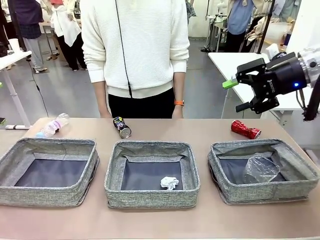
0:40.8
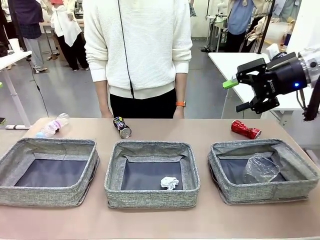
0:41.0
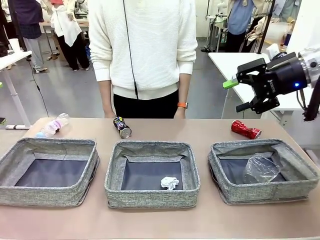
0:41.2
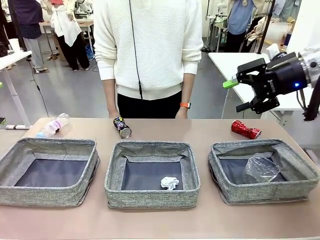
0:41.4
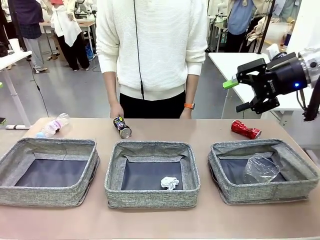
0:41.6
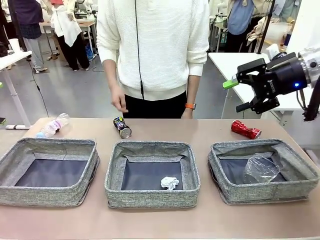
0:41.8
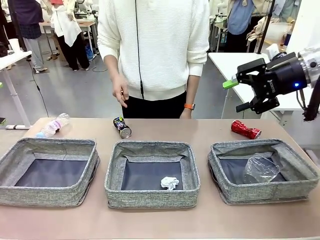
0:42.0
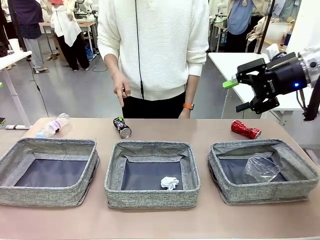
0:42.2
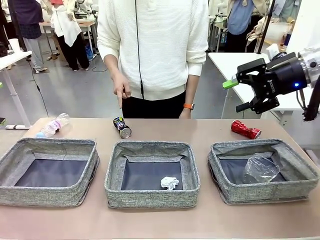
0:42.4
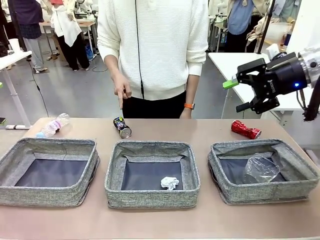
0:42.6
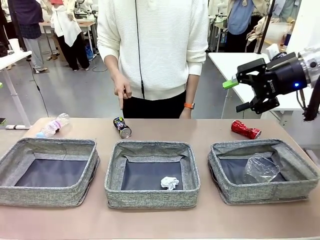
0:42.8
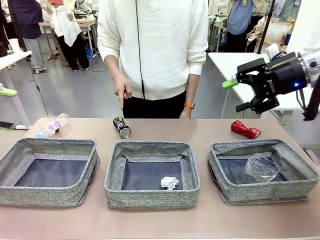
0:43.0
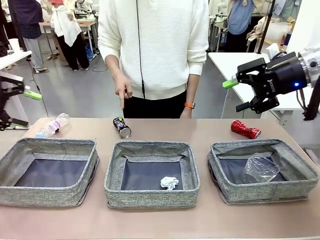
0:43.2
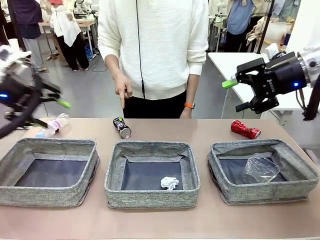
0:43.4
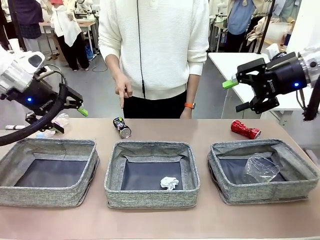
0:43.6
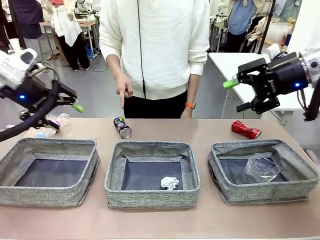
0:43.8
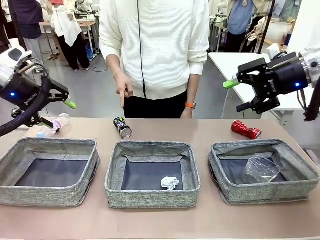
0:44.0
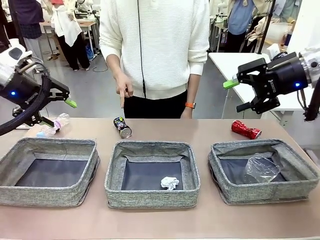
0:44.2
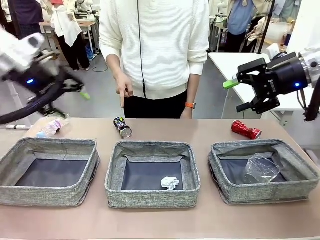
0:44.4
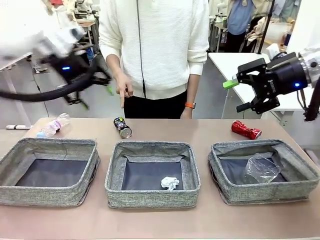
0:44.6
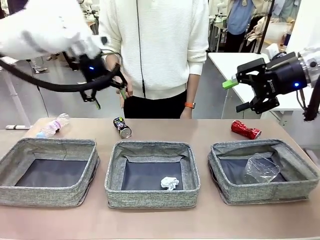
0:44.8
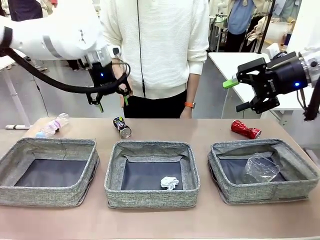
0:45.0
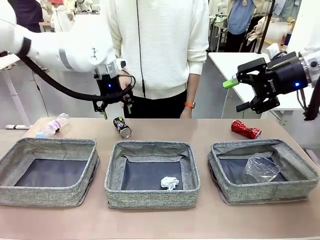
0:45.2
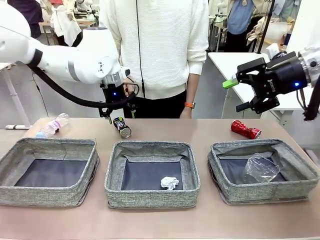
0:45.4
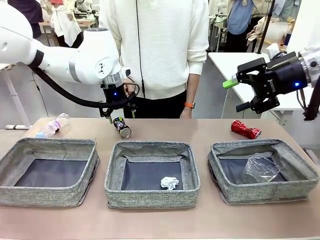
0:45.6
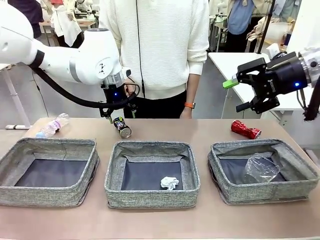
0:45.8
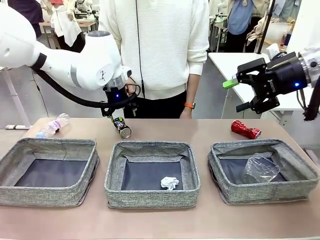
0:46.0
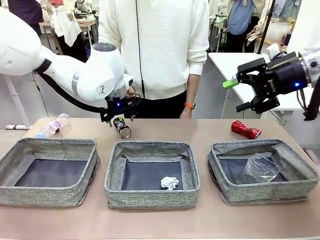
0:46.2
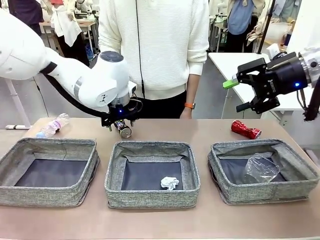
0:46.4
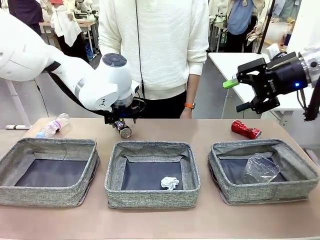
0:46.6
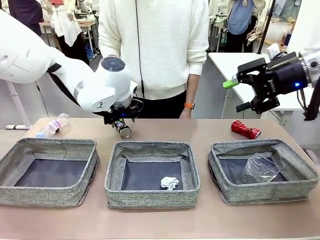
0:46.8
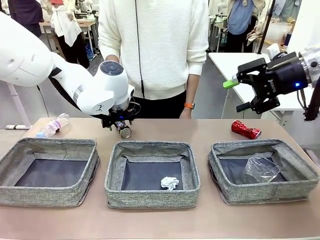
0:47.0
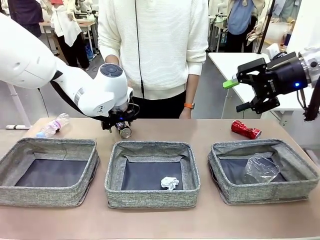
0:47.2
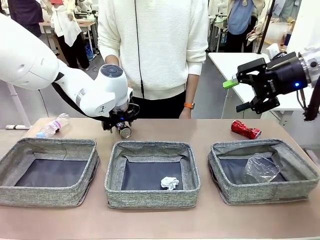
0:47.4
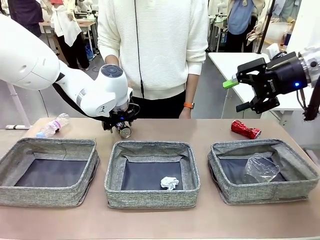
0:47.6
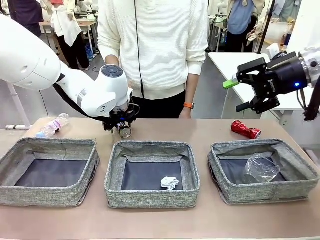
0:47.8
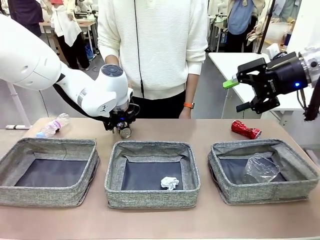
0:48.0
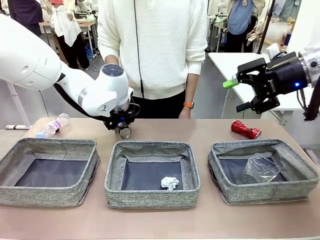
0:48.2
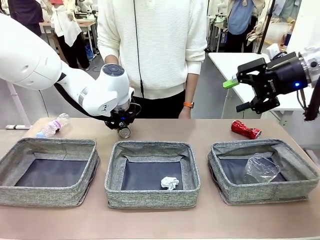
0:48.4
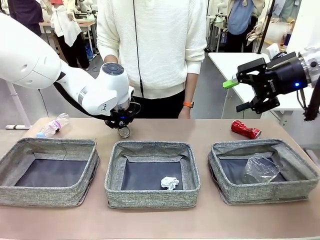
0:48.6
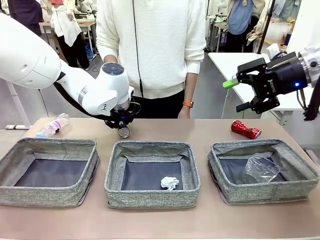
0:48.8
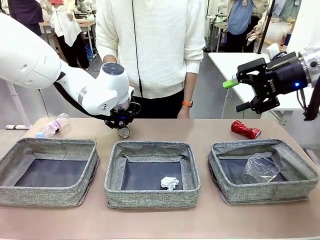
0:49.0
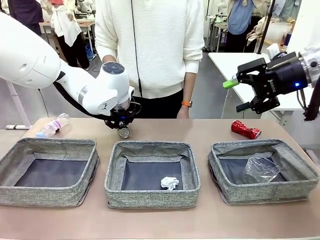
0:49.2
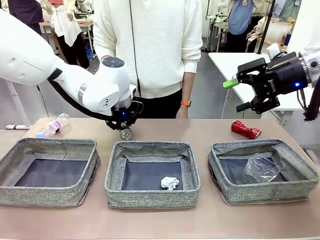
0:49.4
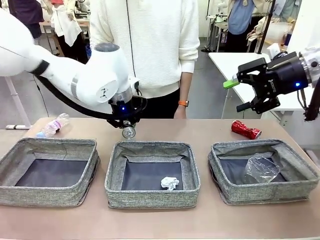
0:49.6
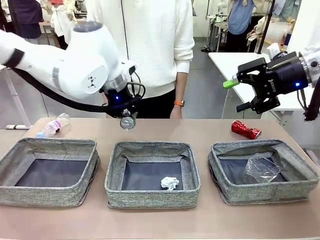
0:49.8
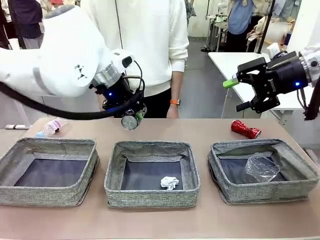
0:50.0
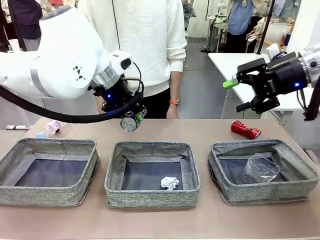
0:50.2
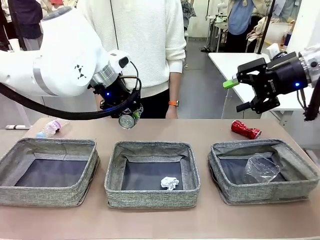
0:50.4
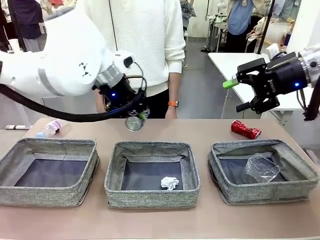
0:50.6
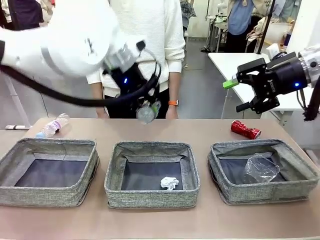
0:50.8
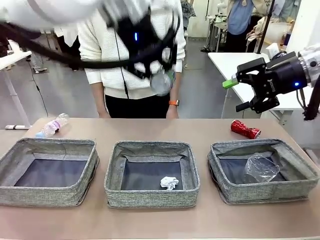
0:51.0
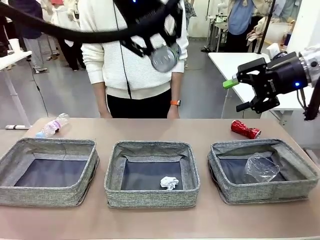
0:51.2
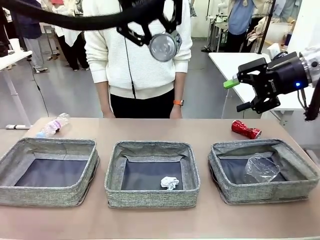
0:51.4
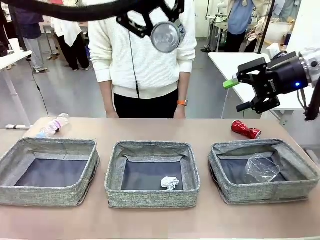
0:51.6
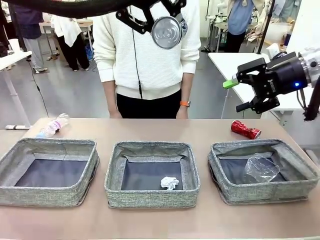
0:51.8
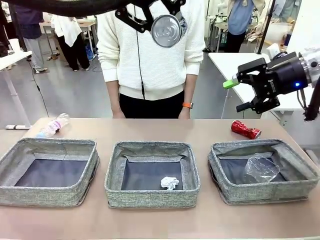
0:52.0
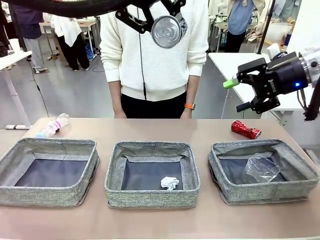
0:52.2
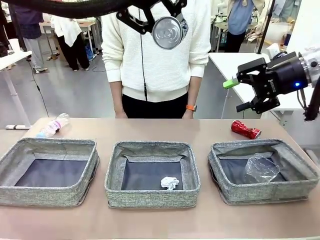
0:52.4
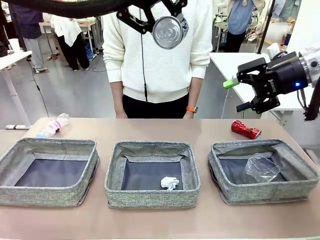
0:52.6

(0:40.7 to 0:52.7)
Task: Sort the waste into the appropriate baskets.
Robot: Pick up the waste item pointed out by the person.
Person: Points to one piece of trash on the table.

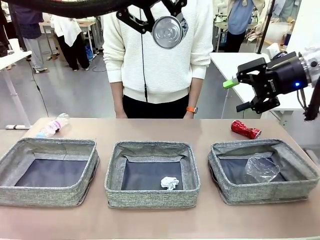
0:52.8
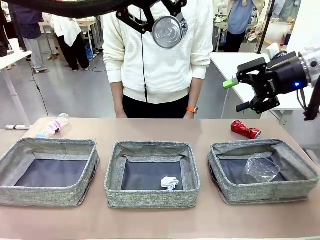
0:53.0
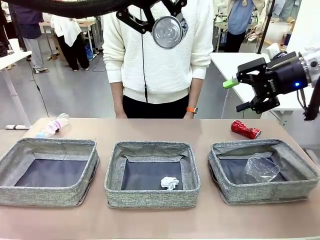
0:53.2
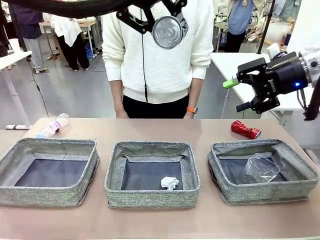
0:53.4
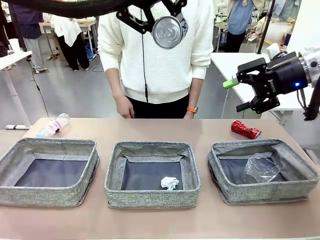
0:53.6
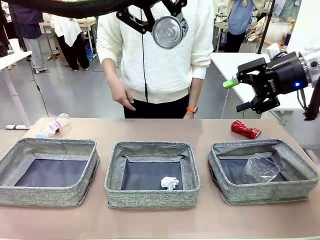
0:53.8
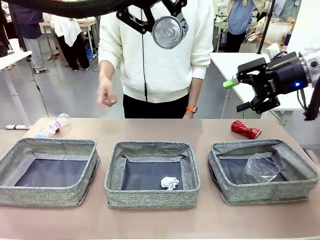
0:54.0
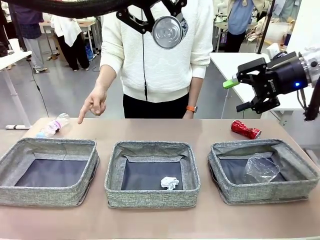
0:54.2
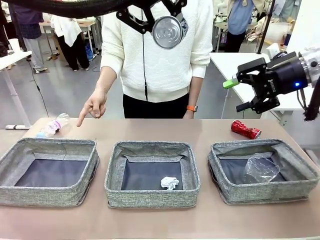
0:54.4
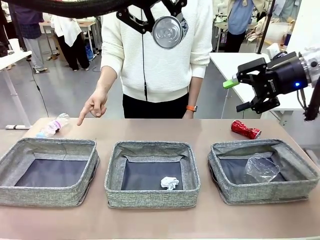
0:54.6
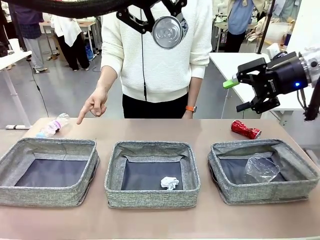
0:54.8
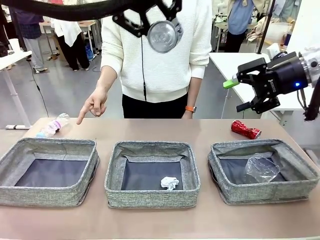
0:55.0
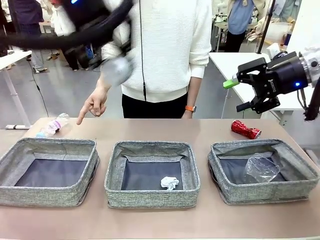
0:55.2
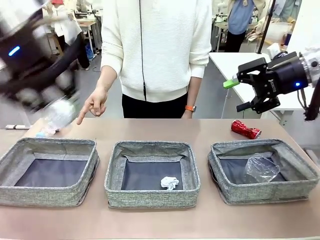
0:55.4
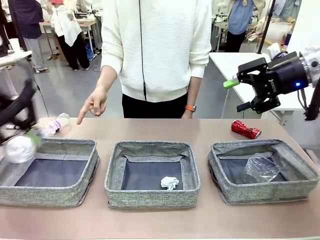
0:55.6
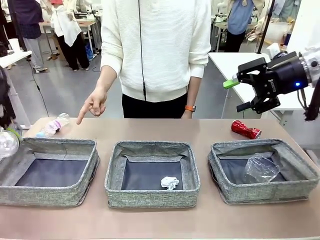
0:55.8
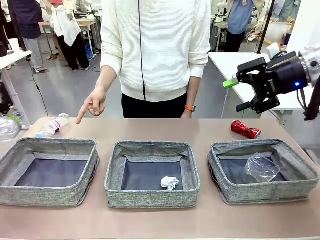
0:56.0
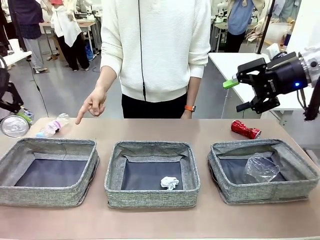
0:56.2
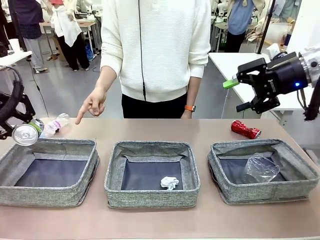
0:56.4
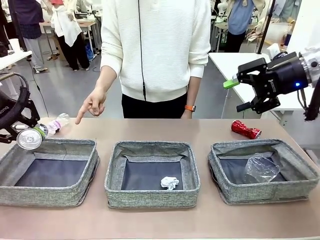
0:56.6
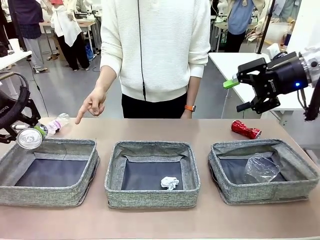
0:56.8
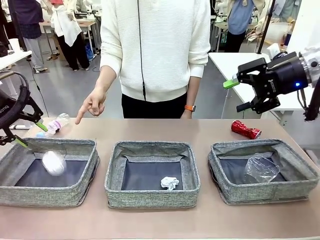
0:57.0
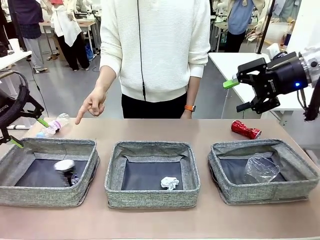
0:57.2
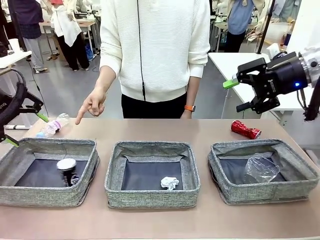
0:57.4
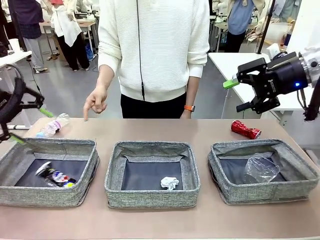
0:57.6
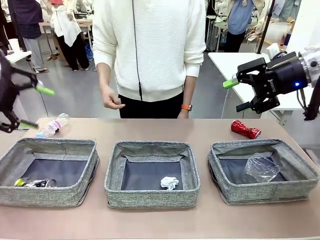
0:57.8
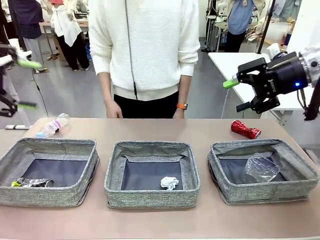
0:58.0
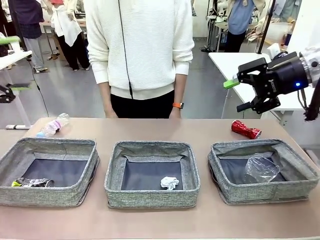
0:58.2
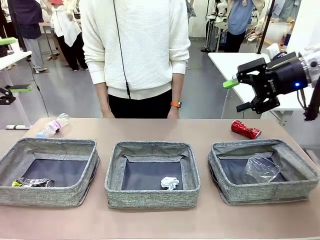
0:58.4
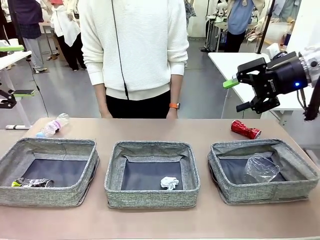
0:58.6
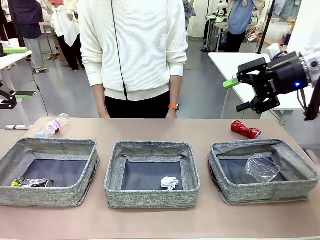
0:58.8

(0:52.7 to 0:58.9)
Robot: Place the picked waste into the Fabric basket indicated by the person.
Person: Instructs the robot to place the picked-up trash into the appropriate organizing basket.

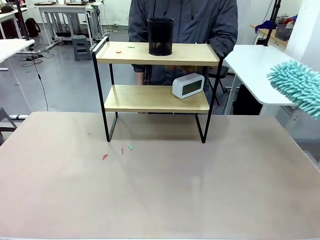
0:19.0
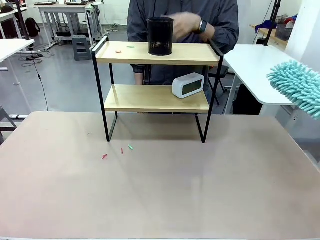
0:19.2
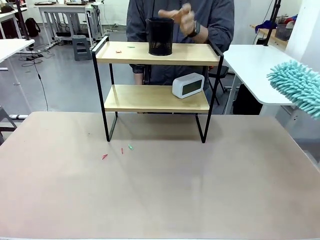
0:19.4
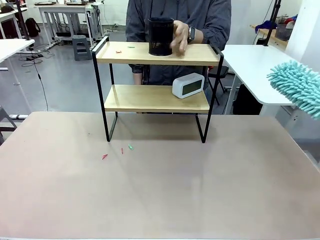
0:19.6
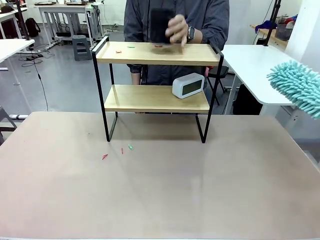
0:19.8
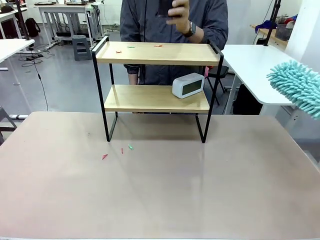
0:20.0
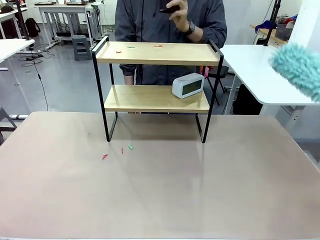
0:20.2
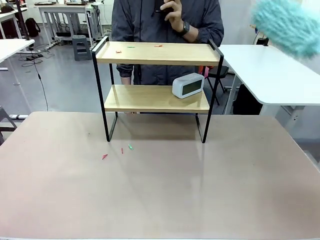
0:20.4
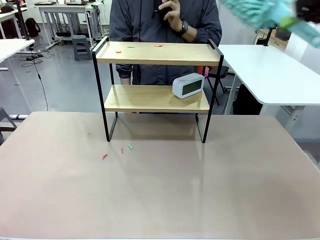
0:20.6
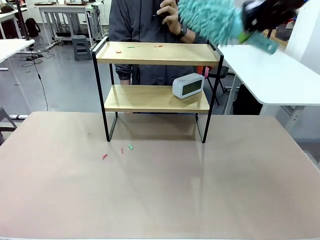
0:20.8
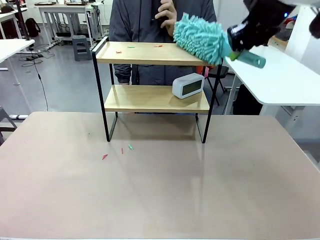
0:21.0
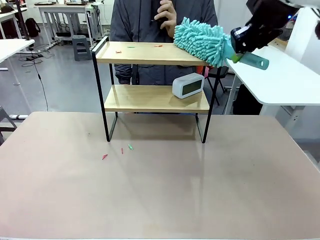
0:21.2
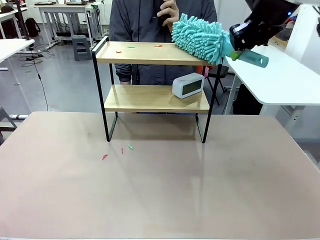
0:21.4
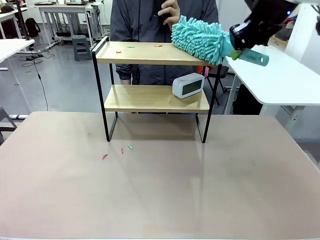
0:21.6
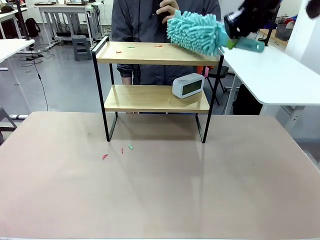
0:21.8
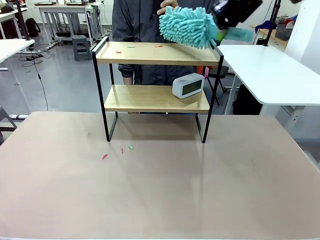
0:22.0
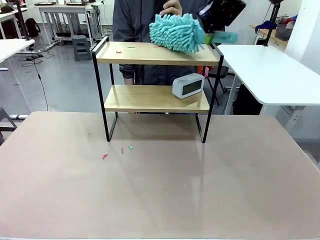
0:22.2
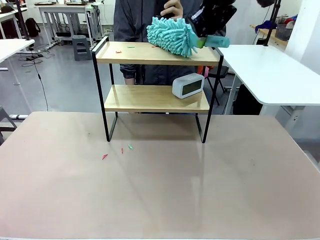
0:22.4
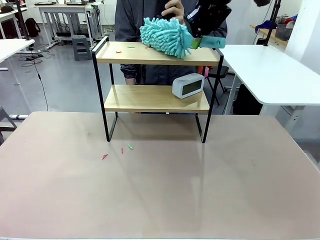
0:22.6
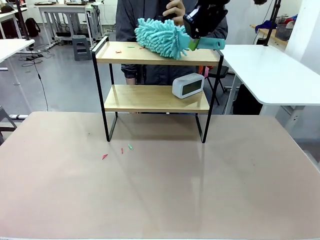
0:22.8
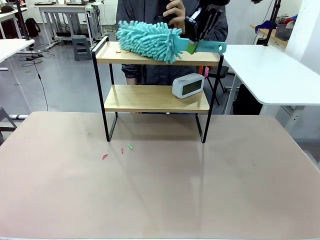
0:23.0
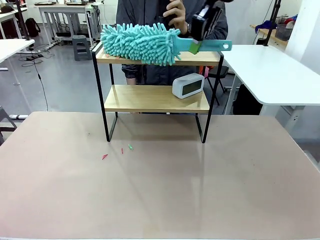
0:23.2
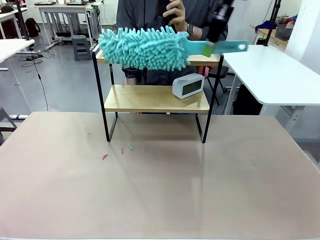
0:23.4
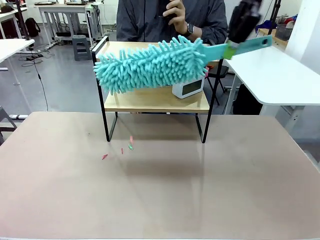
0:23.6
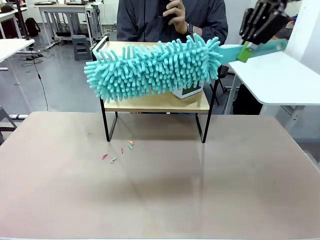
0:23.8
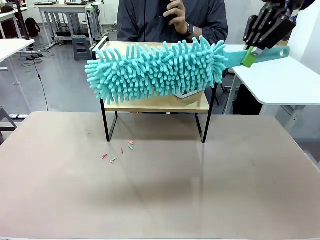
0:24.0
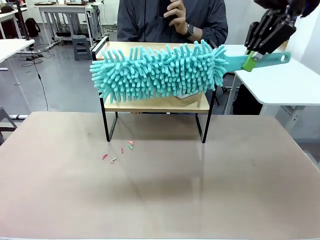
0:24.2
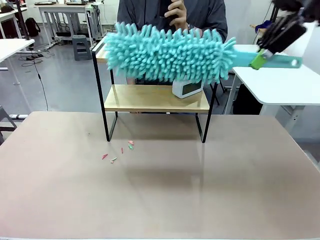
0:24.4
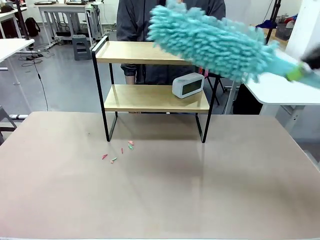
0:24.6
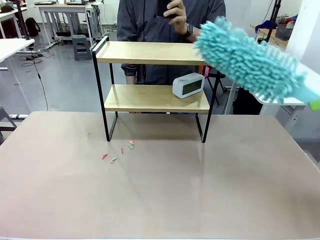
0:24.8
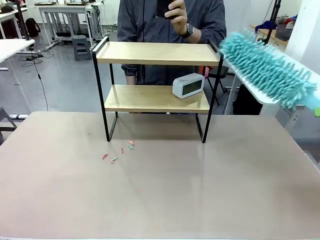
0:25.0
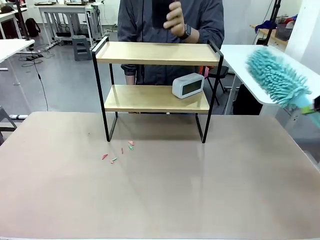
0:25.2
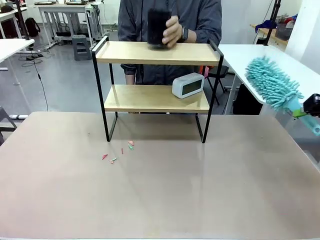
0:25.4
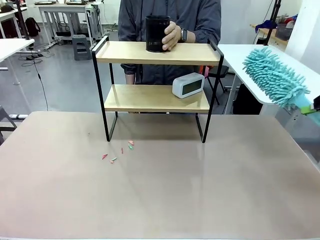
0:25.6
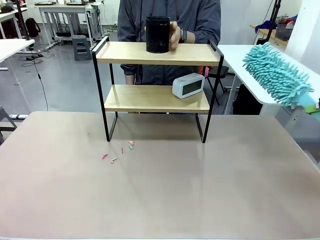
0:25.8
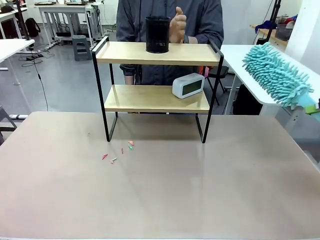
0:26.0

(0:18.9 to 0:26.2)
Task: Clean the shelf.
Robot: Clean the remaining tier of the Shelf with the Duster once objects are removed.
